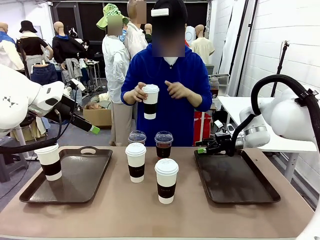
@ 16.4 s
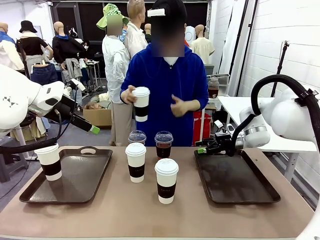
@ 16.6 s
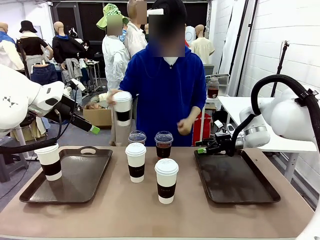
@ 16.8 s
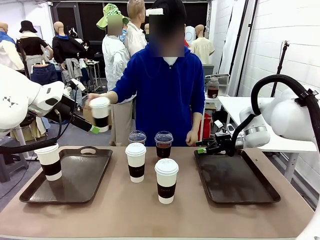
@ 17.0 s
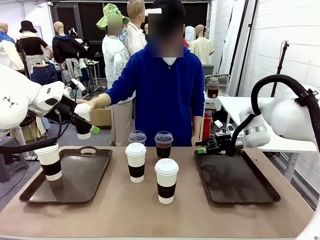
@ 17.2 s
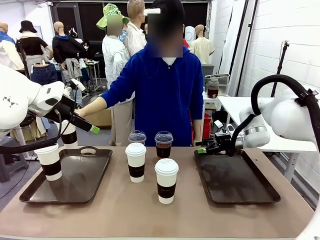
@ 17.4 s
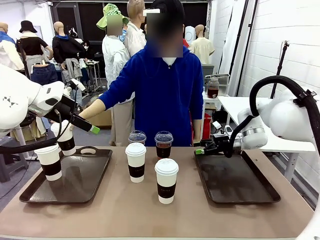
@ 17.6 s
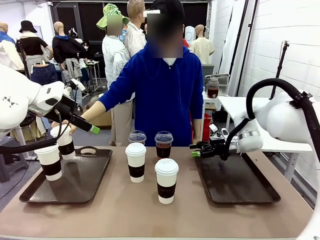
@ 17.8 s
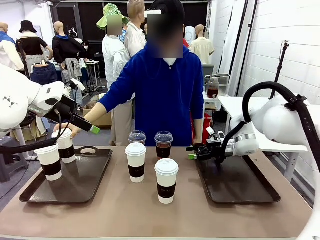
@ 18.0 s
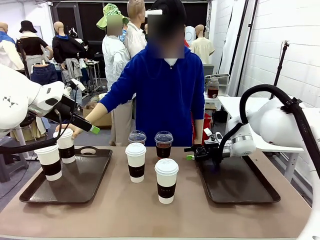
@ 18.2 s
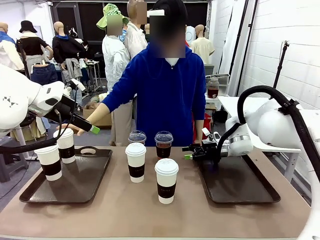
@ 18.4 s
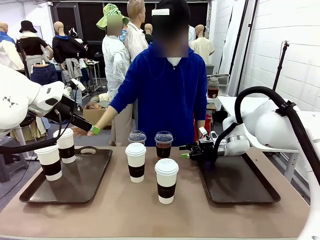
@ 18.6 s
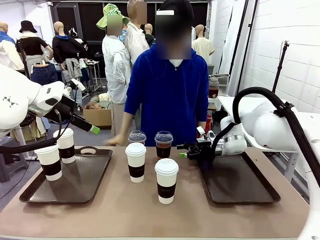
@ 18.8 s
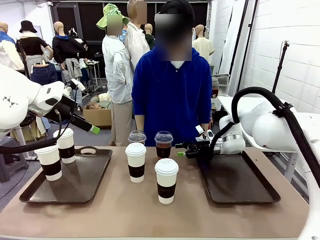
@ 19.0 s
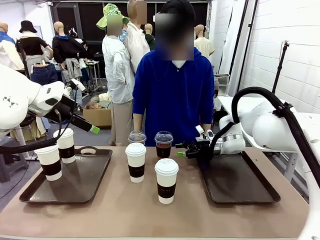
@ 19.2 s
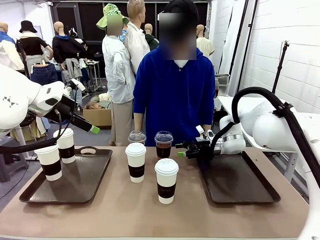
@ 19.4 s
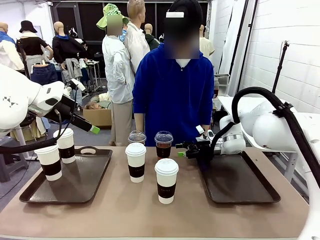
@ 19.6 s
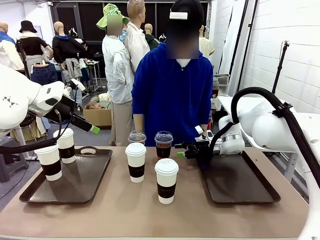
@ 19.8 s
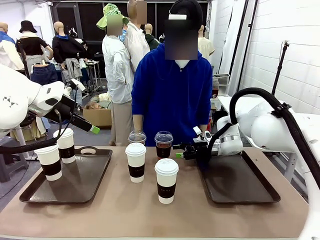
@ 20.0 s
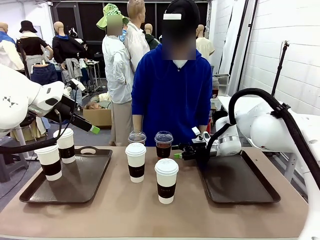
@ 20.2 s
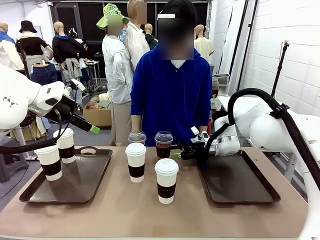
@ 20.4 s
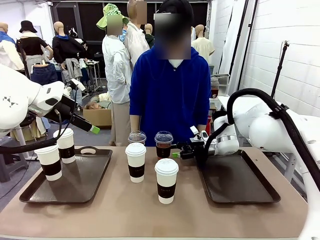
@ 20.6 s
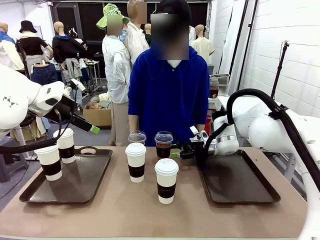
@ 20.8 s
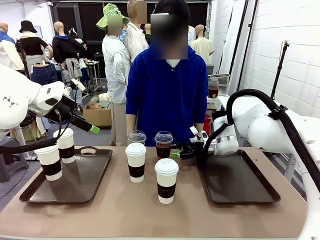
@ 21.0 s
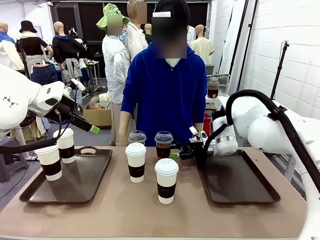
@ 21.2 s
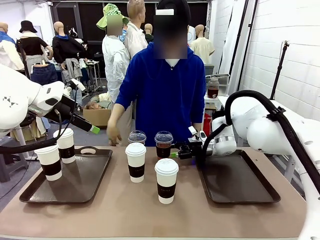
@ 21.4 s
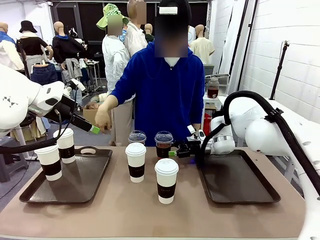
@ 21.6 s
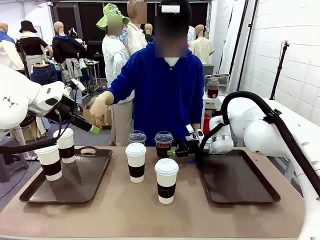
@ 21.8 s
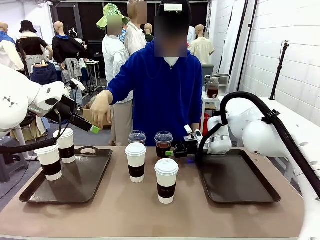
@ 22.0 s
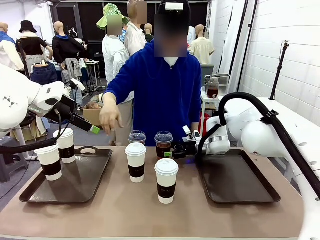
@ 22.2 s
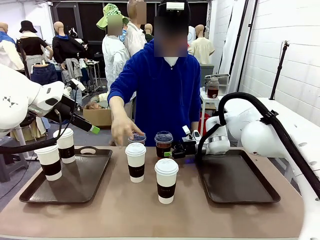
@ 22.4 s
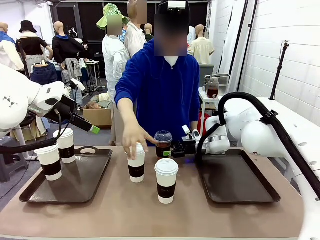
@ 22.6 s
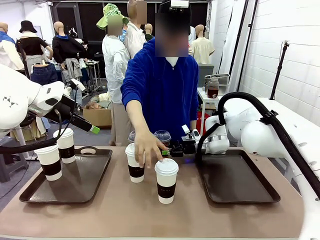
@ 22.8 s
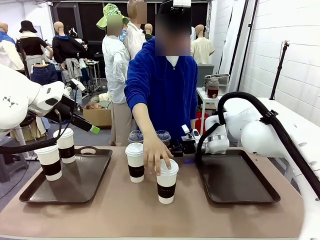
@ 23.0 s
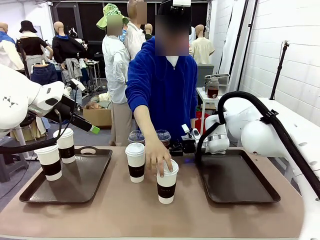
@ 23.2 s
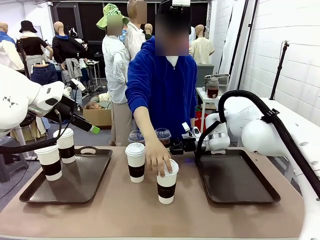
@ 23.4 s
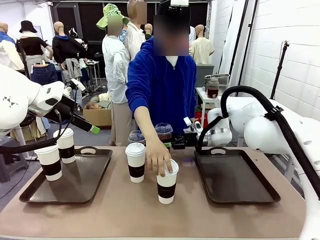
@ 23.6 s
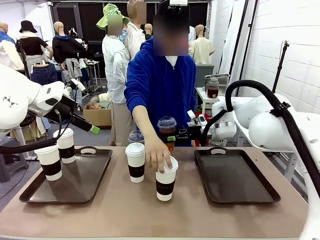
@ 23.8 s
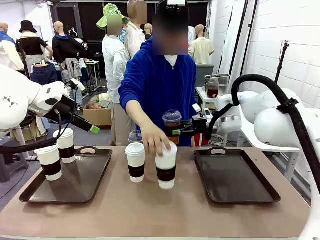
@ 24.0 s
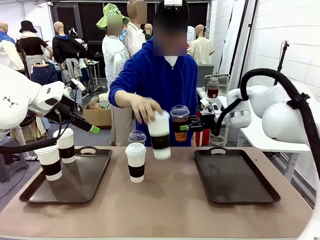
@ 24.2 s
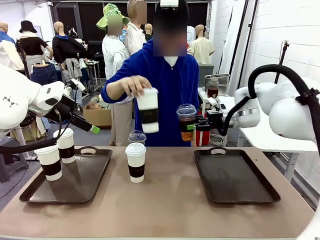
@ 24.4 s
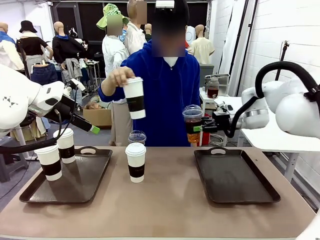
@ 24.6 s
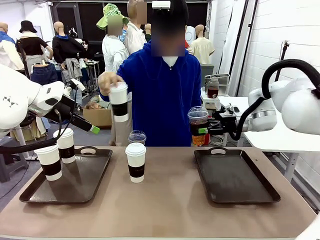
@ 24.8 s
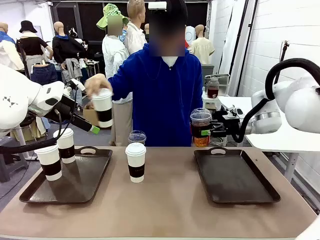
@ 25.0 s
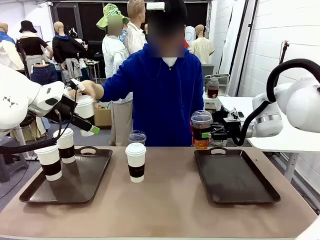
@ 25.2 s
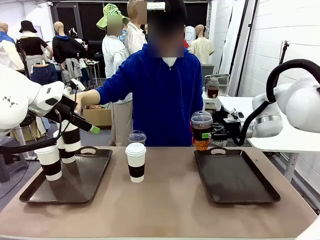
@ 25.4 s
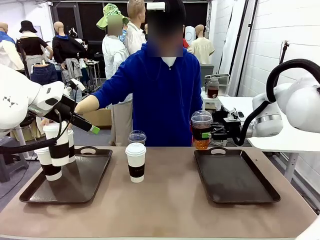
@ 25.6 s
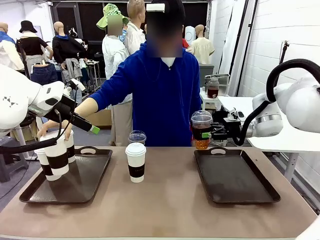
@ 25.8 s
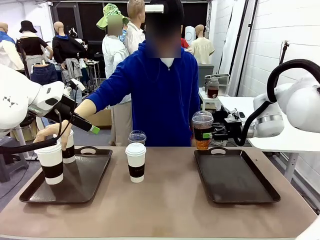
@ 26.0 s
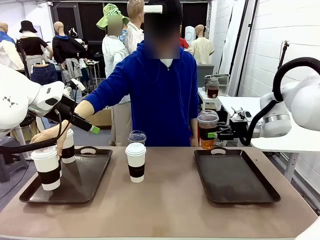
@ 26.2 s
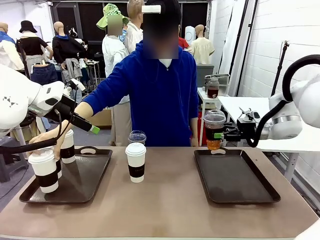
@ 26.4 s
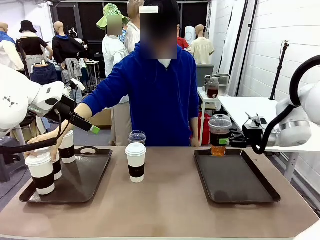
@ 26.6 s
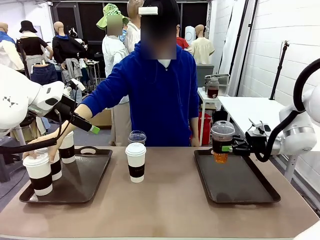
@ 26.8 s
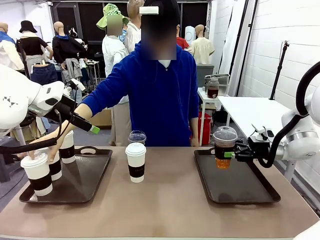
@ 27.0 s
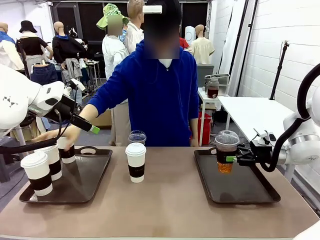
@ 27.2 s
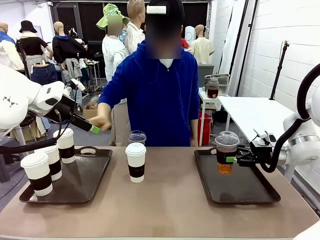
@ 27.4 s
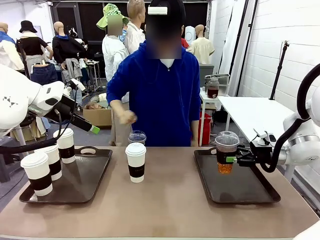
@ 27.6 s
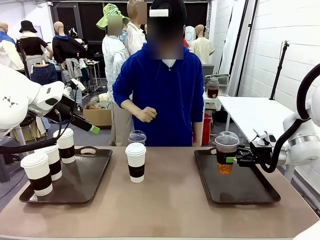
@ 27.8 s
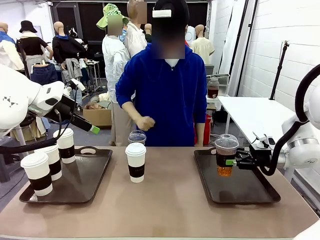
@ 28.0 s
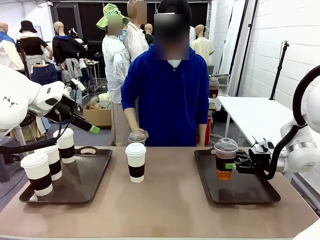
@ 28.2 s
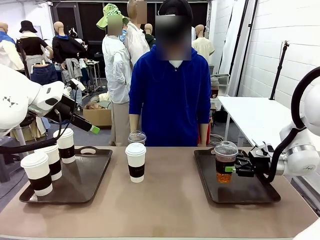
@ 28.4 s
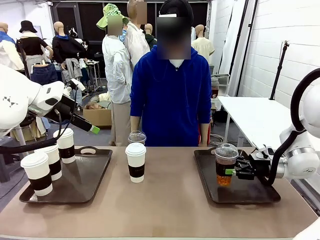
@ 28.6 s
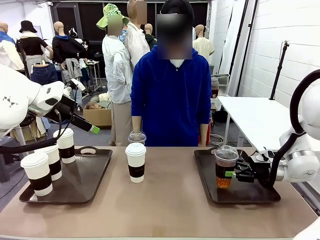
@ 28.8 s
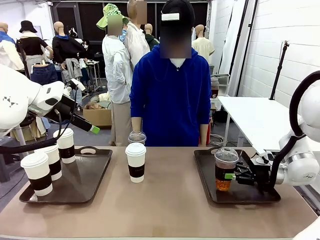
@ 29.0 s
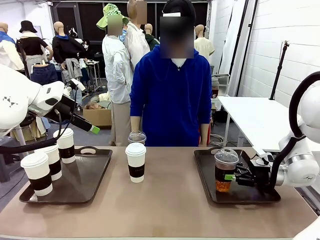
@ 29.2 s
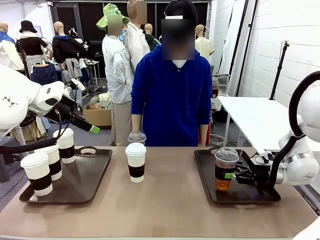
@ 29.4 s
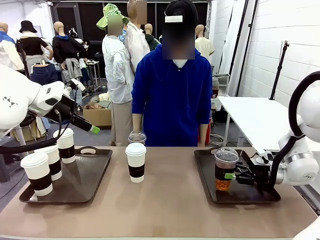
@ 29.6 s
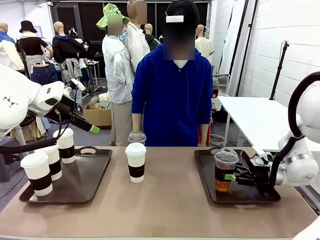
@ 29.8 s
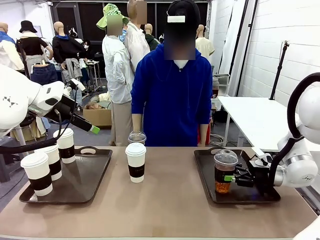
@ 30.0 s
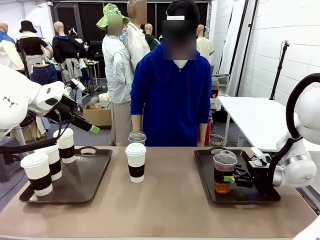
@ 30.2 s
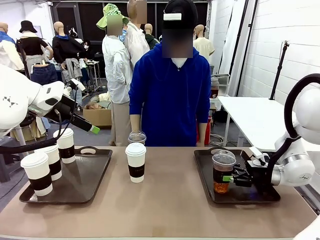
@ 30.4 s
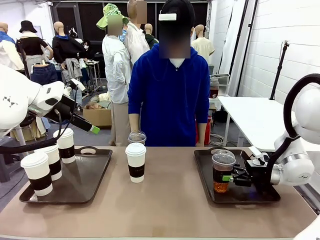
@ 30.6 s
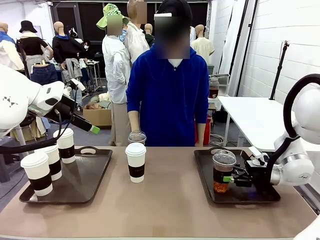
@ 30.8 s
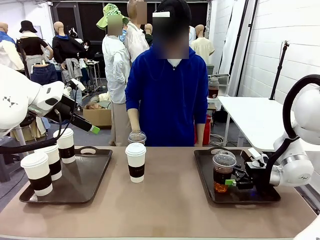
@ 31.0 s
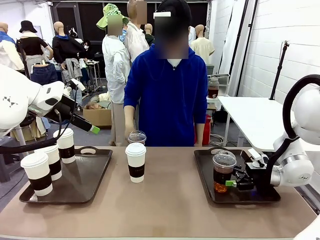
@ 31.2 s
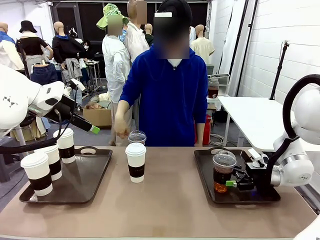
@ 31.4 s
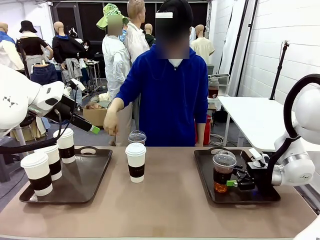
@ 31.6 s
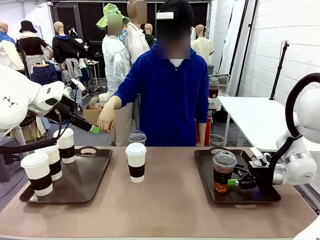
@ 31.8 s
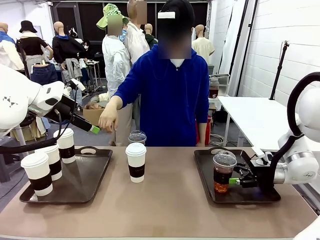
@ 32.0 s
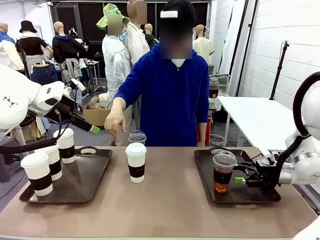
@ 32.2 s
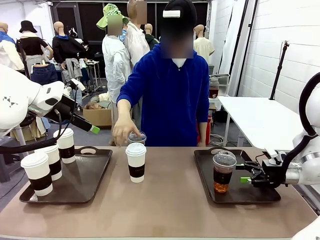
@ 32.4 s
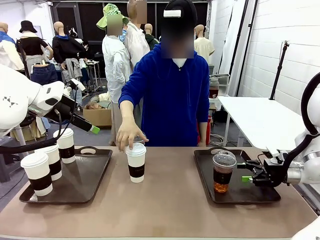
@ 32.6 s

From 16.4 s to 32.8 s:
Task: Distribute the coffee onto the tray.
Robot: Pick up one iced Americano and place it on the right Handle tray.
